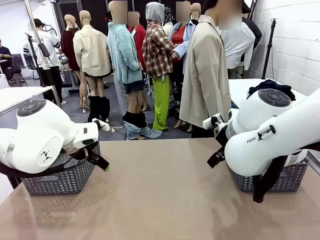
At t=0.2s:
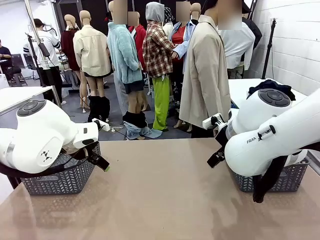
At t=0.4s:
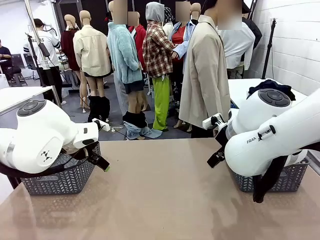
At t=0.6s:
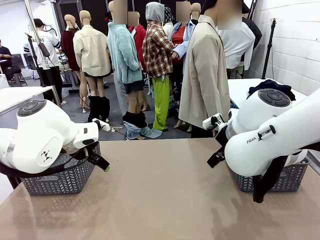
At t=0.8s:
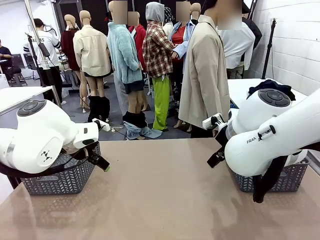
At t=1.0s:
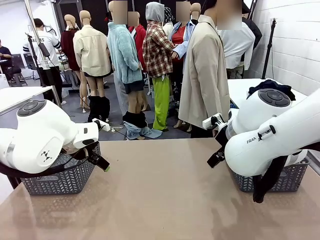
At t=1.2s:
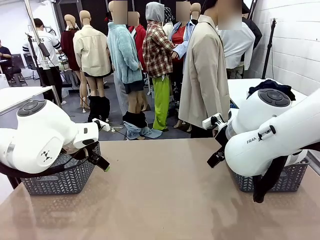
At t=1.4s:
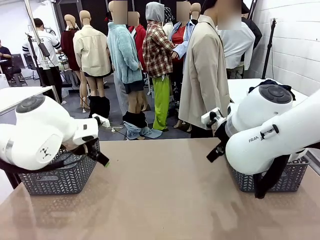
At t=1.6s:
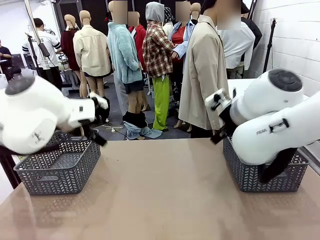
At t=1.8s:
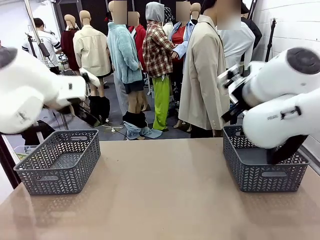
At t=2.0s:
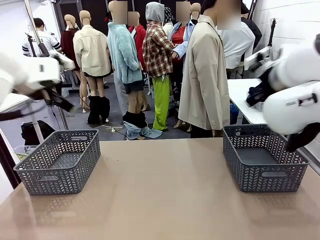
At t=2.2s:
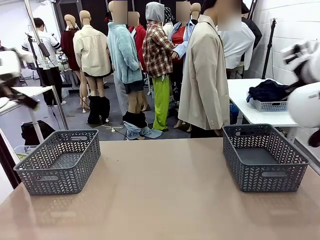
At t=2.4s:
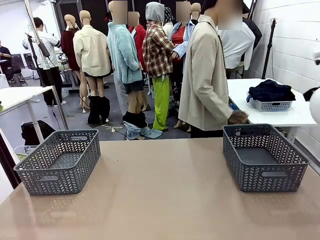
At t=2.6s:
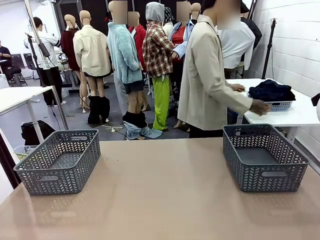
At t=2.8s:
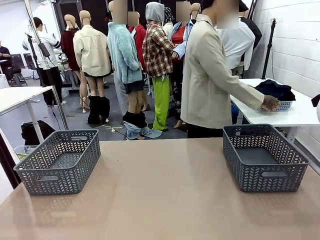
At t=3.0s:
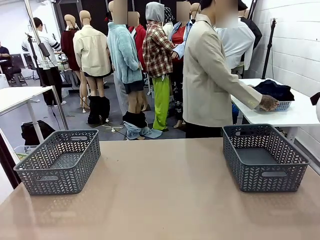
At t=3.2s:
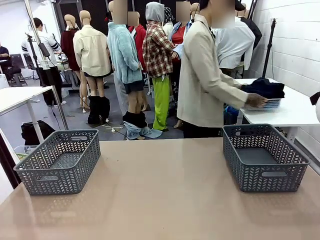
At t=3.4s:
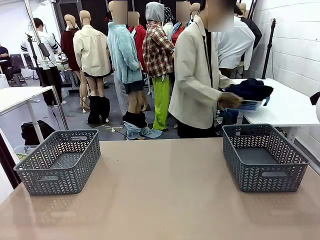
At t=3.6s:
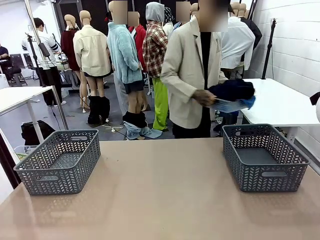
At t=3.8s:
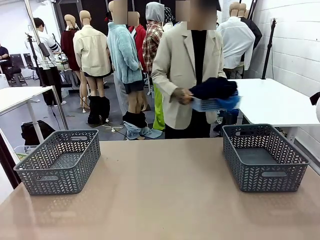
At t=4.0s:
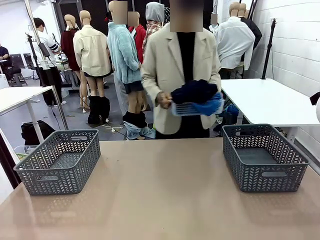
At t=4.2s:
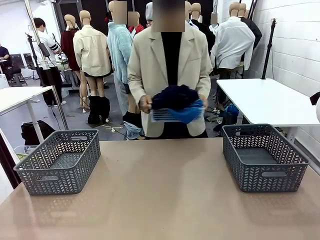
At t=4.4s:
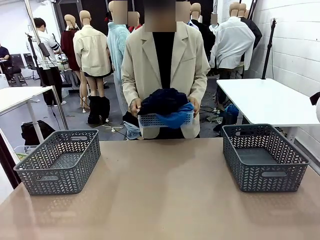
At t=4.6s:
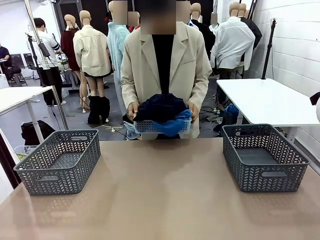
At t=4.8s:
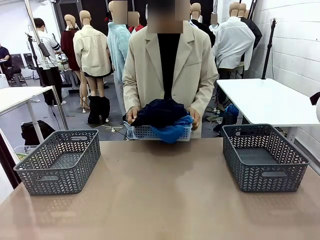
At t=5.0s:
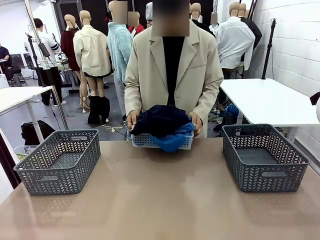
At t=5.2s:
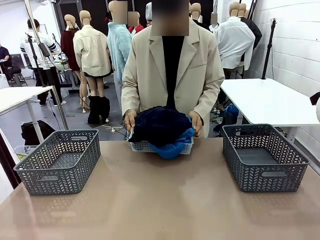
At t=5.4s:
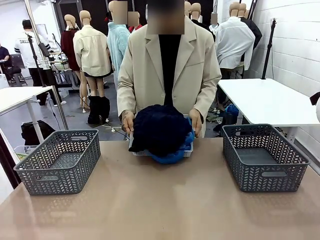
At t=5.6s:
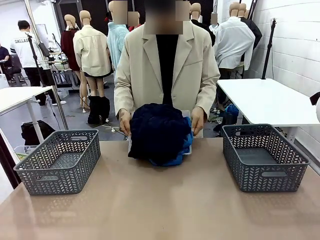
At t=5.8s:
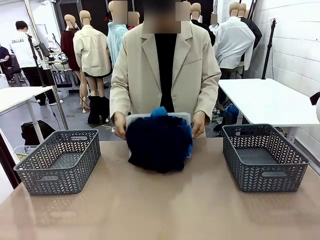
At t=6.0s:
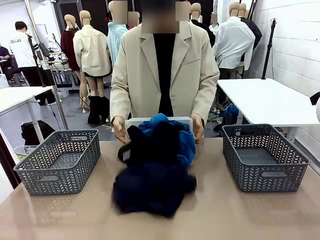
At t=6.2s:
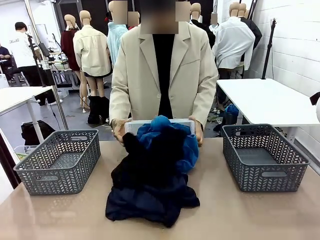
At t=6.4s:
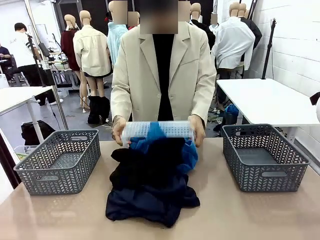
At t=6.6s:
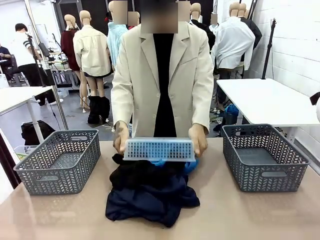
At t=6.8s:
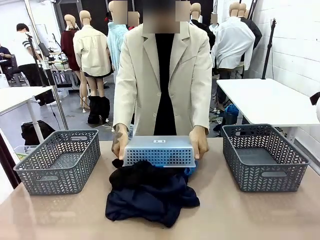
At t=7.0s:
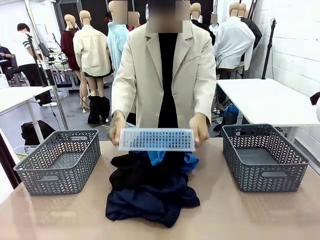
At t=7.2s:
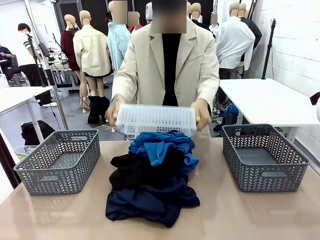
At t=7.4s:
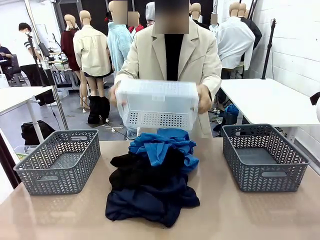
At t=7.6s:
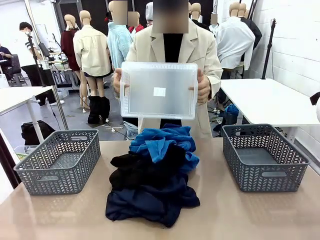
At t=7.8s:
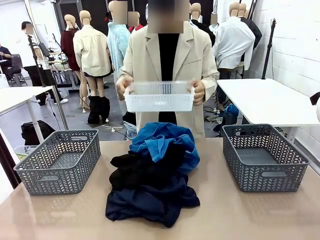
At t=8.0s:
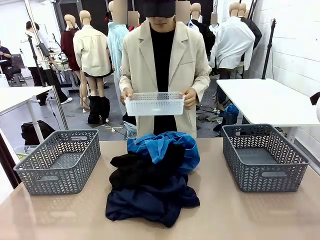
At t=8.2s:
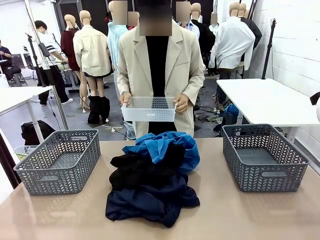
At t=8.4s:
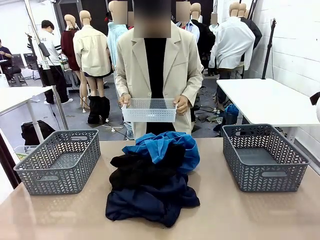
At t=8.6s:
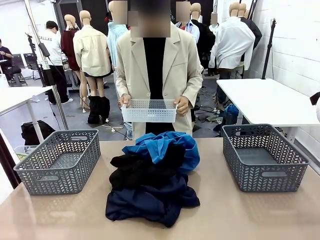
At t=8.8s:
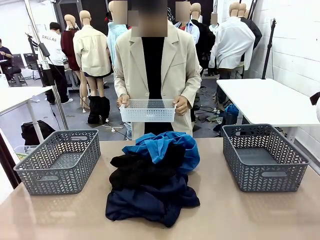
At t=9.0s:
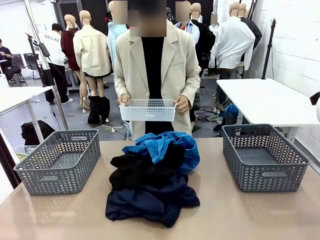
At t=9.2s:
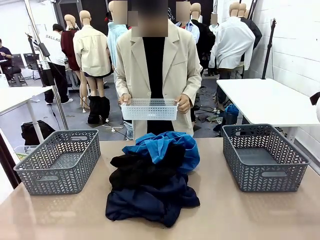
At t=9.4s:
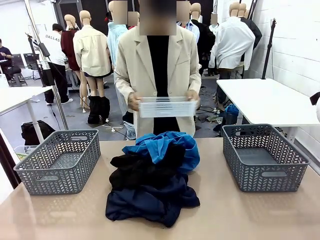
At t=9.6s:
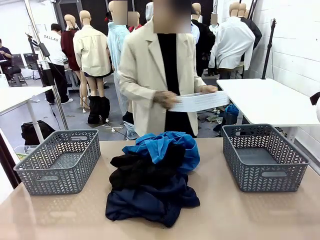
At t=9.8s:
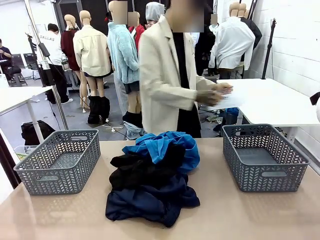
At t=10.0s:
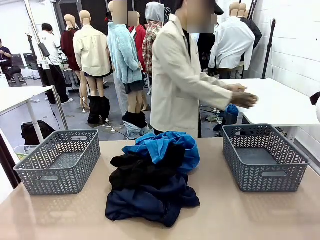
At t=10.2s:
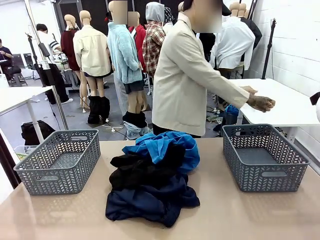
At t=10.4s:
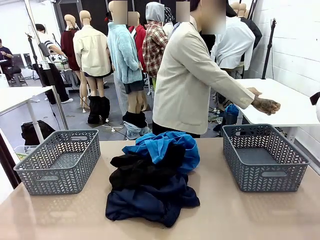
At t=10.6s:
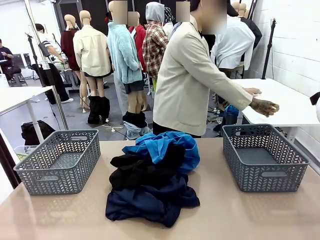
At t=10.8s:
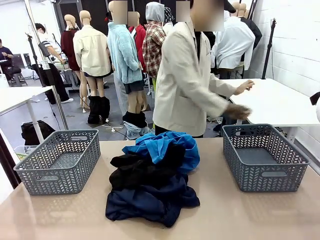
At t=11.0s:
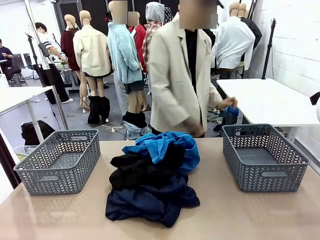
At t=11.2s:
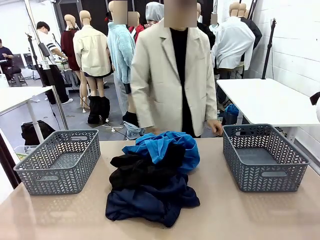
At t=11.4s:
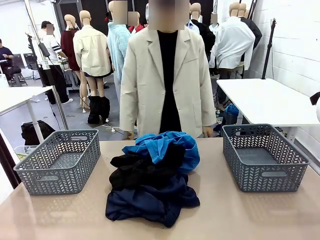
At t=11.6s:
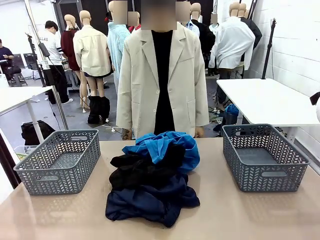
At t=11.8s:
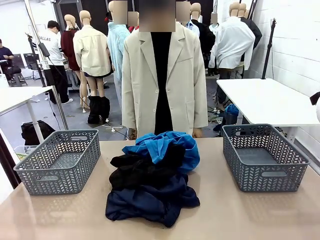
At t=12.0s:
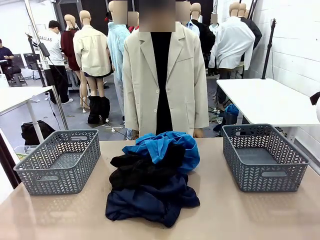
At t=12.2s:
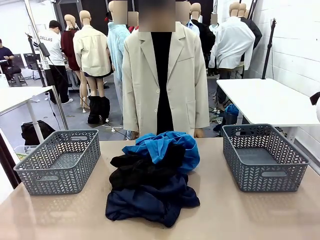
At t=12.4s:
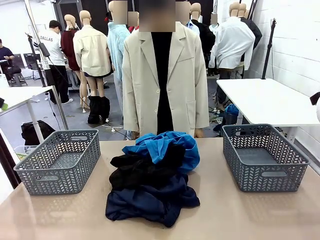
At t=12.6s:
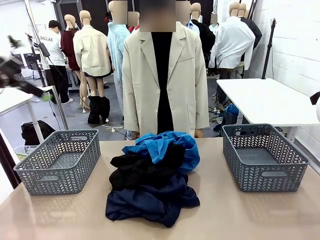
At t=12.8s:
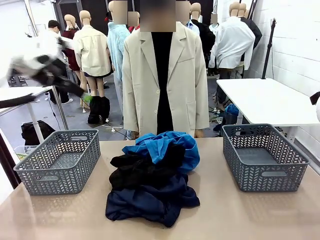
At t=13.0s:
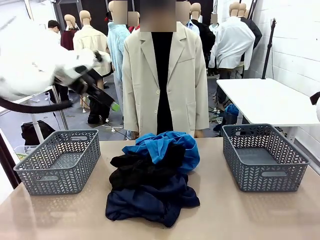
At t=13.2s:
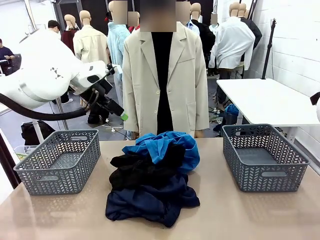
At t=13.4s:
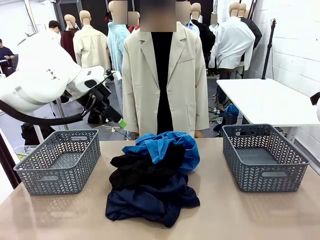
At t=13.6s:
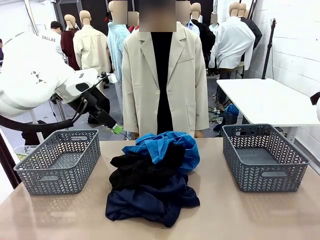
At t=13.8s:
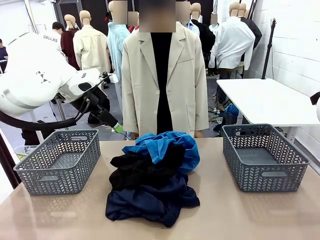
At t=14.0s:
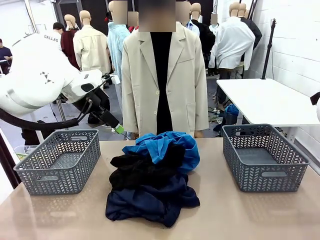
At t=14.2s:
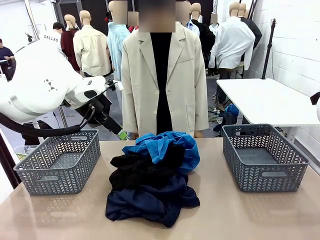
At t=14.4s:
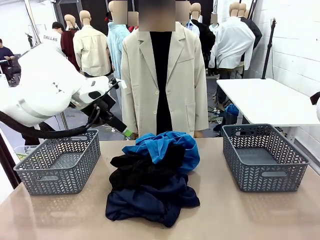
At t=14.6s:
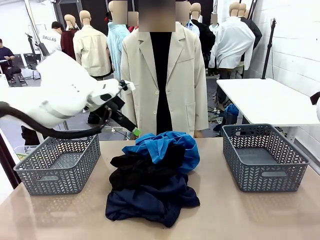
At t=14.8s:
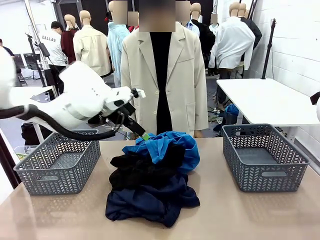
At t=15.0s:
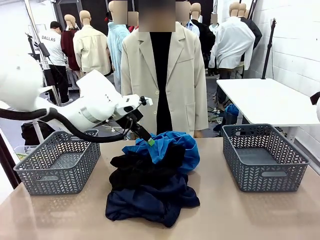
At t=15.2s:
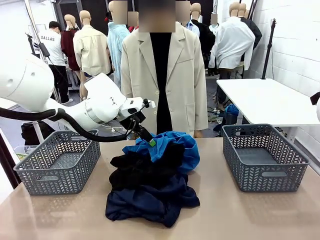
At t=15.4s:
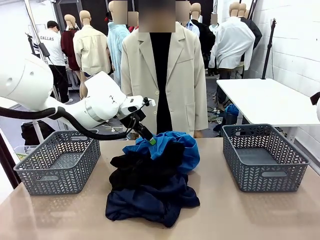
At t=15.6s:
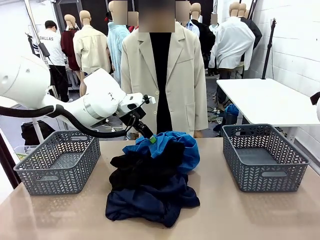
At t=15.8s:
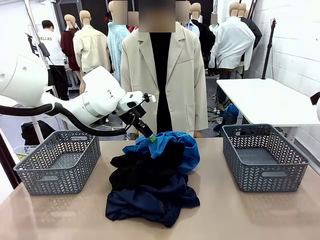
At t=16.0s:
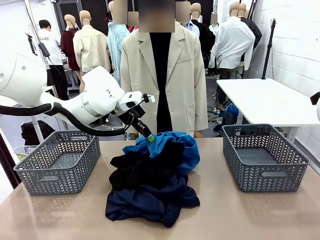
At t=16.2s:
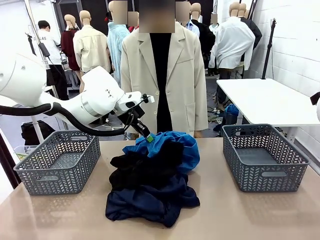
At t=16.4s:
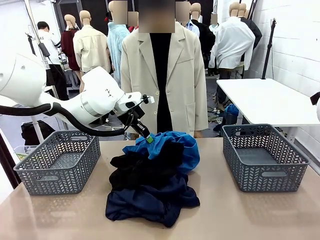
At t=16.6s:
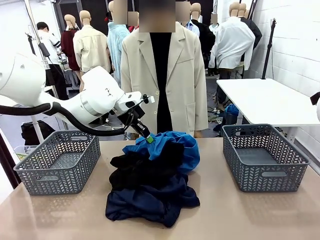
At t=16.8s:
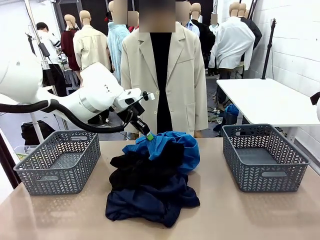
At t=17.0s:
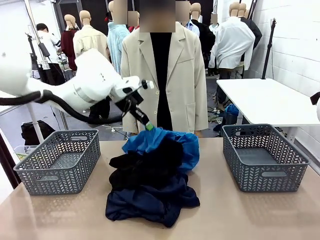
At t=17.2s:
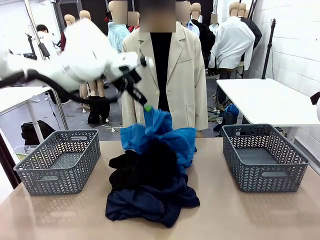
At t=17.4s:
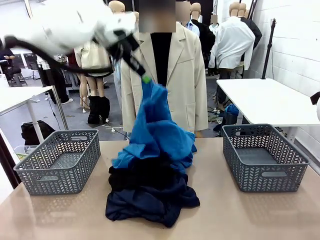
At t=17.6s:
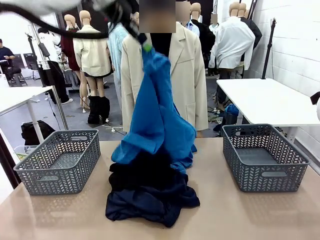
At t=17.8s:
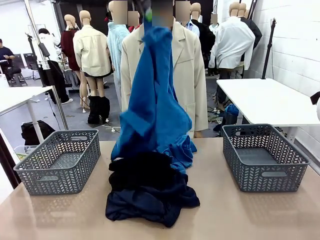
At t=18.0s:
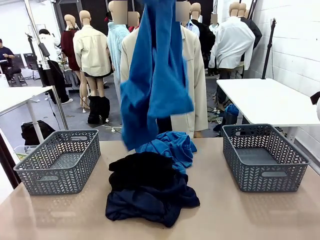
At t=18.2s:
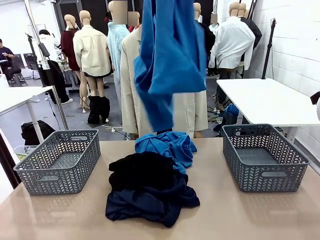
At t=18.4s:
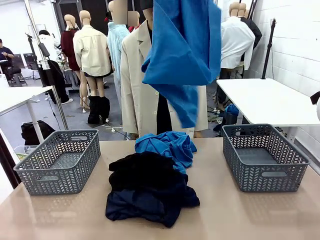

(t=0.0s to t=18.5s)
Task: Sort the tops and bottoms.
Robot: Lift clothes from the center of the table with your left hand.
Person: Pour the clothes from the basket onto the center of the robot table.
